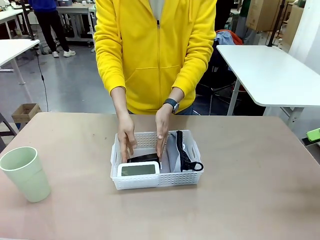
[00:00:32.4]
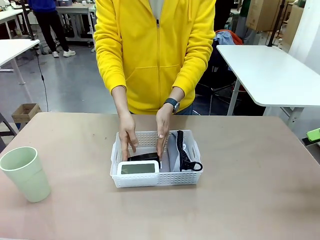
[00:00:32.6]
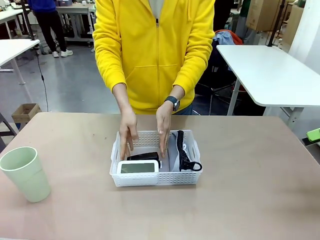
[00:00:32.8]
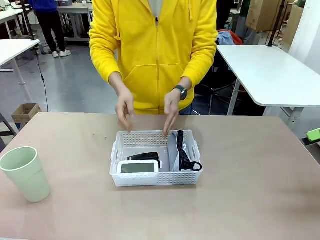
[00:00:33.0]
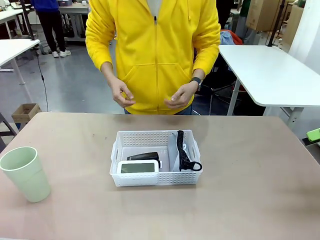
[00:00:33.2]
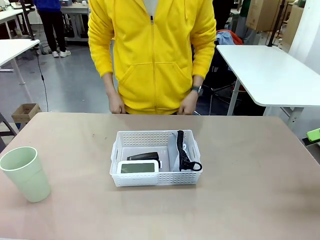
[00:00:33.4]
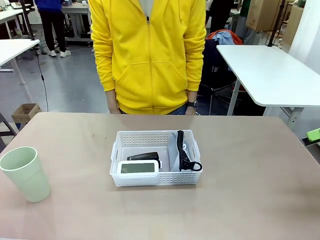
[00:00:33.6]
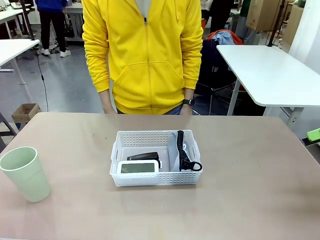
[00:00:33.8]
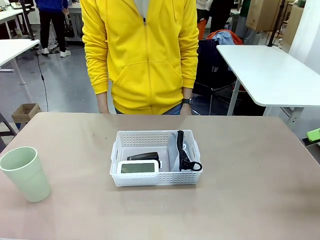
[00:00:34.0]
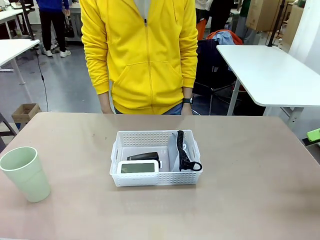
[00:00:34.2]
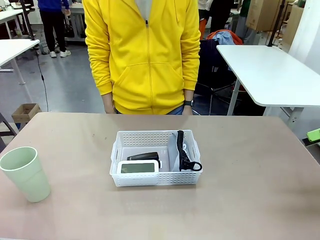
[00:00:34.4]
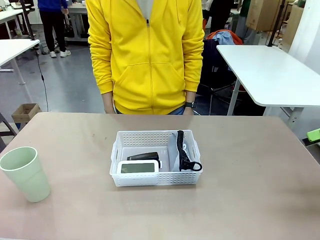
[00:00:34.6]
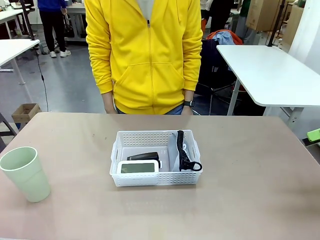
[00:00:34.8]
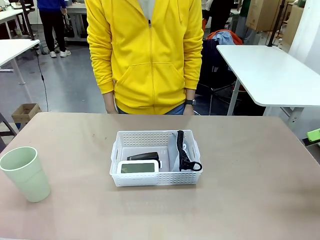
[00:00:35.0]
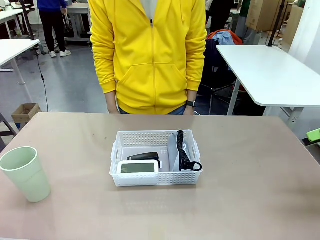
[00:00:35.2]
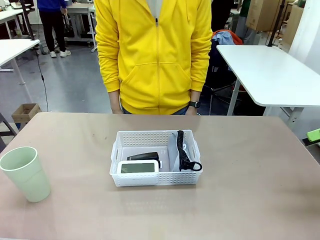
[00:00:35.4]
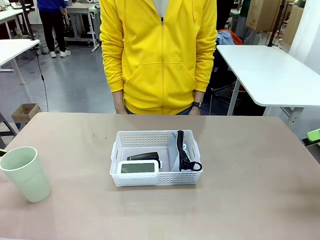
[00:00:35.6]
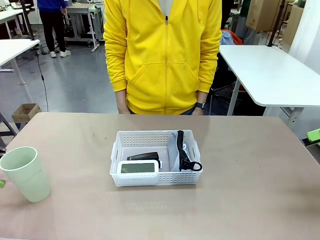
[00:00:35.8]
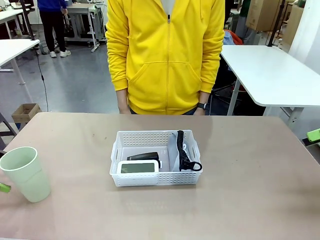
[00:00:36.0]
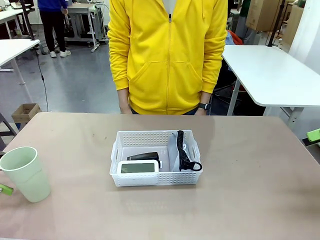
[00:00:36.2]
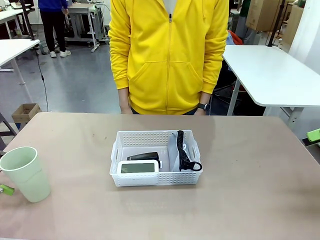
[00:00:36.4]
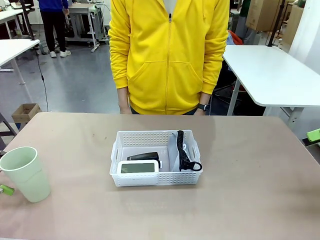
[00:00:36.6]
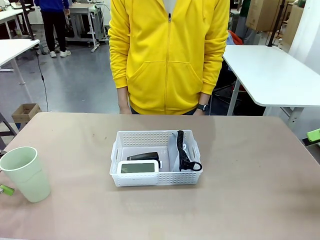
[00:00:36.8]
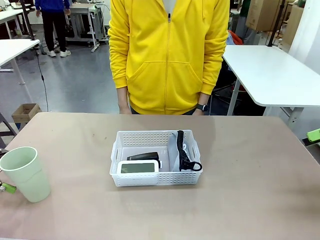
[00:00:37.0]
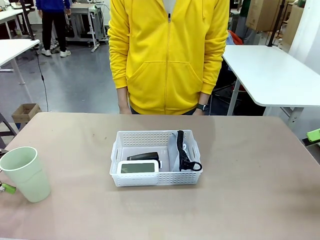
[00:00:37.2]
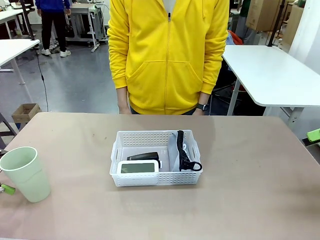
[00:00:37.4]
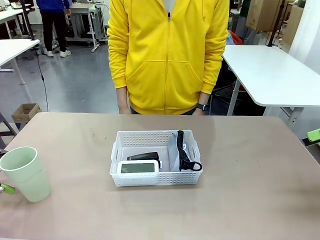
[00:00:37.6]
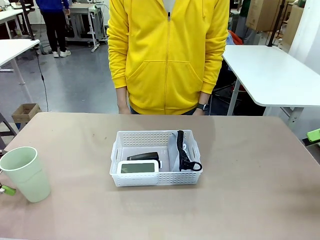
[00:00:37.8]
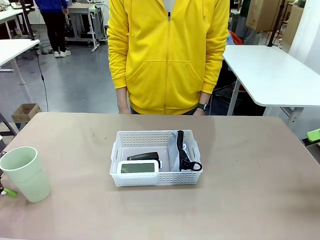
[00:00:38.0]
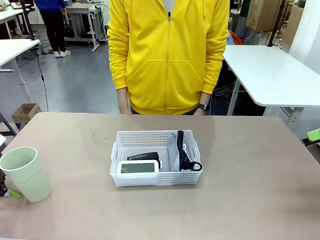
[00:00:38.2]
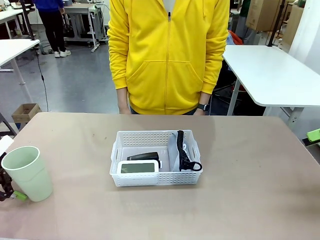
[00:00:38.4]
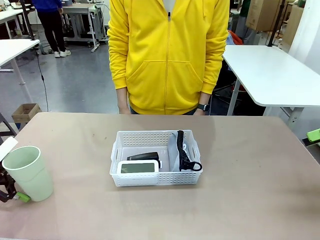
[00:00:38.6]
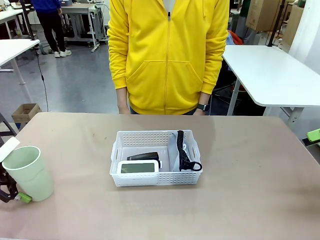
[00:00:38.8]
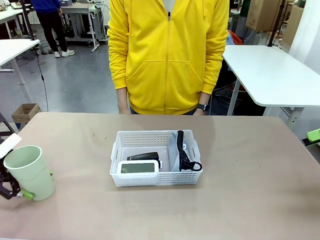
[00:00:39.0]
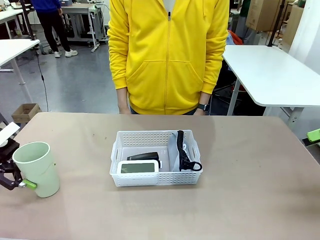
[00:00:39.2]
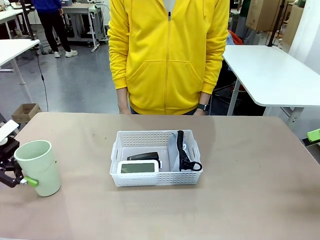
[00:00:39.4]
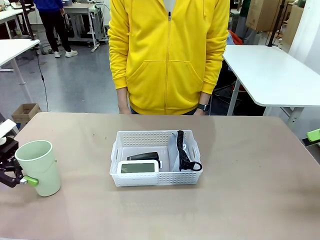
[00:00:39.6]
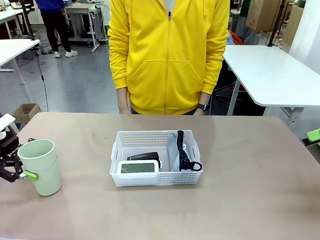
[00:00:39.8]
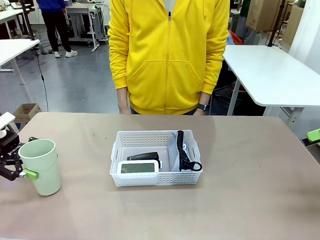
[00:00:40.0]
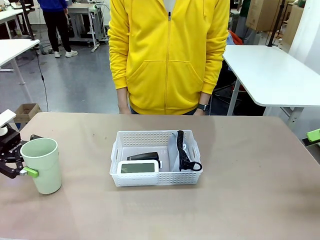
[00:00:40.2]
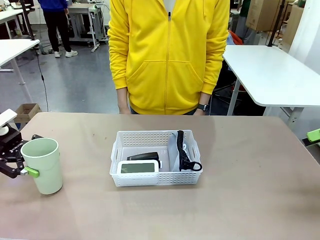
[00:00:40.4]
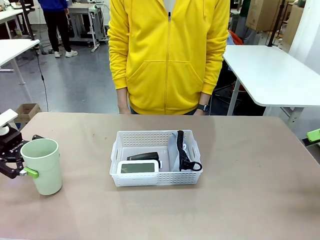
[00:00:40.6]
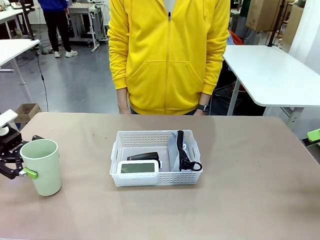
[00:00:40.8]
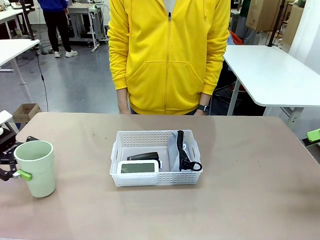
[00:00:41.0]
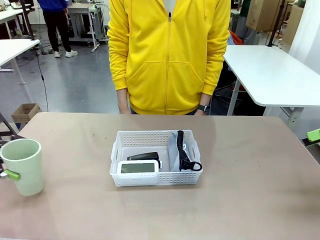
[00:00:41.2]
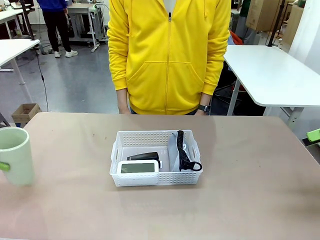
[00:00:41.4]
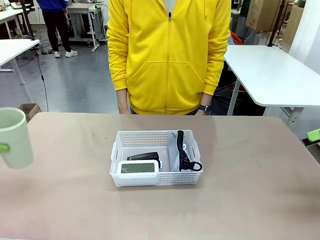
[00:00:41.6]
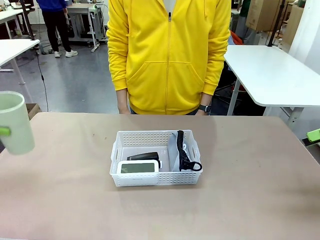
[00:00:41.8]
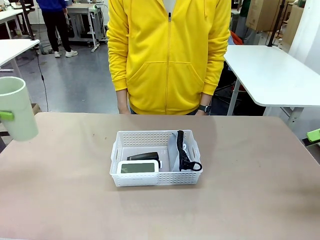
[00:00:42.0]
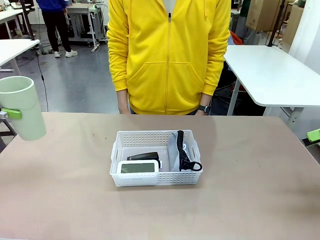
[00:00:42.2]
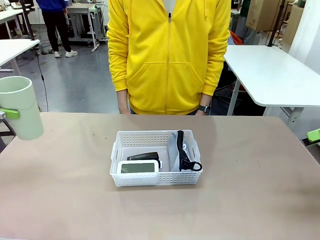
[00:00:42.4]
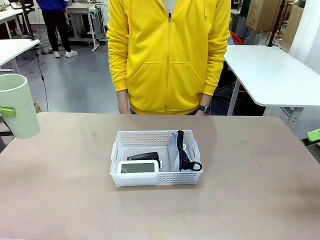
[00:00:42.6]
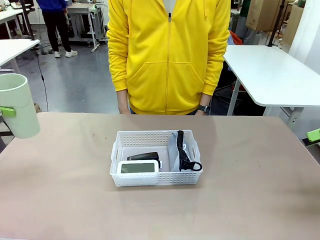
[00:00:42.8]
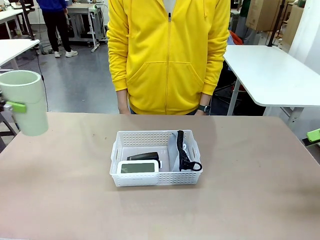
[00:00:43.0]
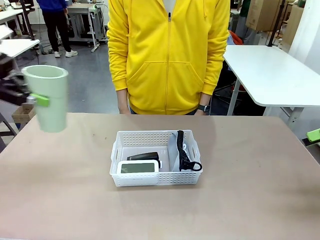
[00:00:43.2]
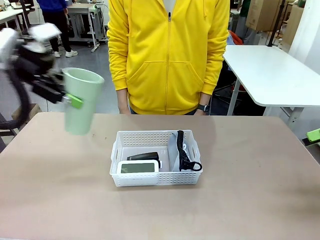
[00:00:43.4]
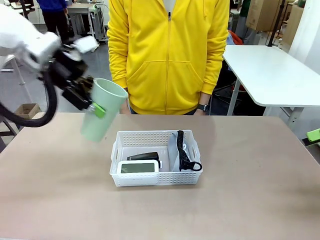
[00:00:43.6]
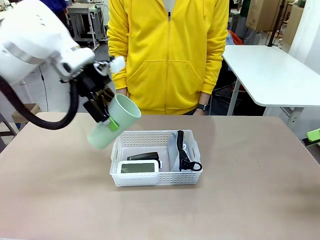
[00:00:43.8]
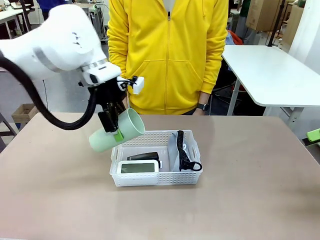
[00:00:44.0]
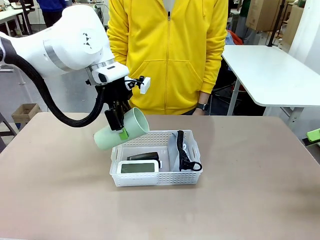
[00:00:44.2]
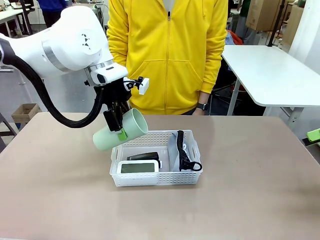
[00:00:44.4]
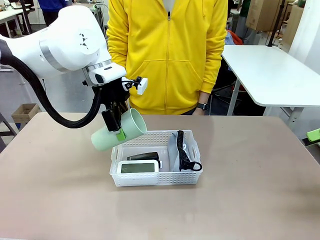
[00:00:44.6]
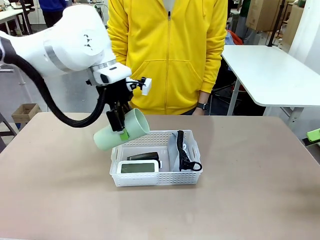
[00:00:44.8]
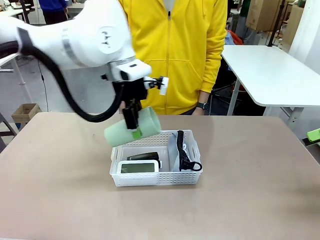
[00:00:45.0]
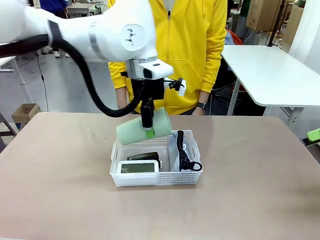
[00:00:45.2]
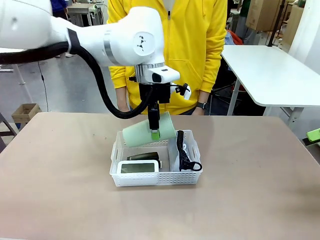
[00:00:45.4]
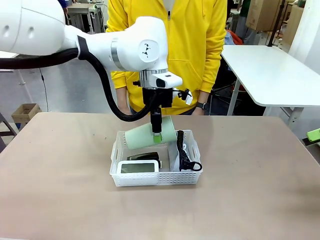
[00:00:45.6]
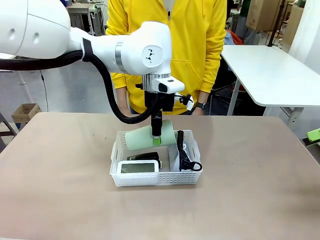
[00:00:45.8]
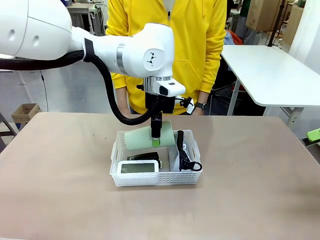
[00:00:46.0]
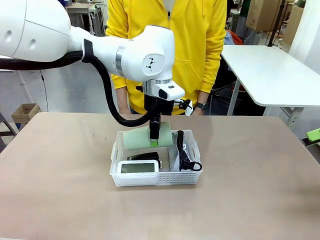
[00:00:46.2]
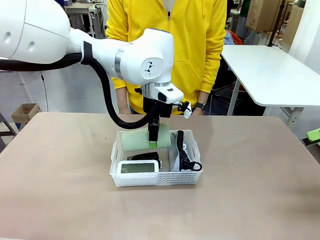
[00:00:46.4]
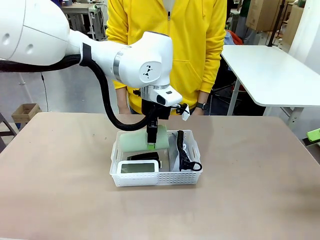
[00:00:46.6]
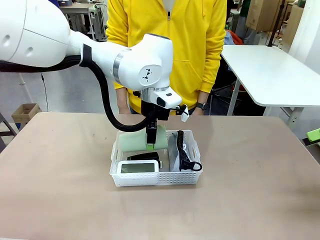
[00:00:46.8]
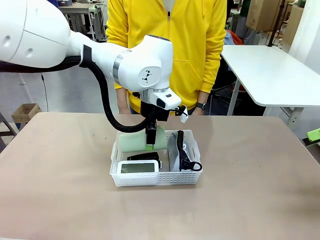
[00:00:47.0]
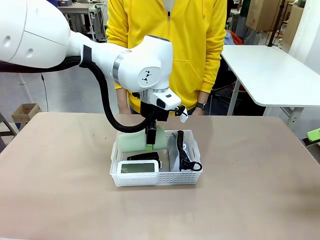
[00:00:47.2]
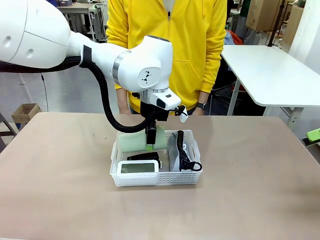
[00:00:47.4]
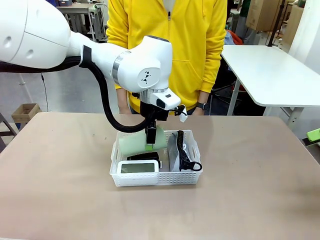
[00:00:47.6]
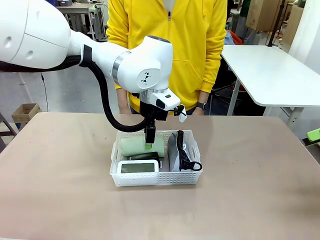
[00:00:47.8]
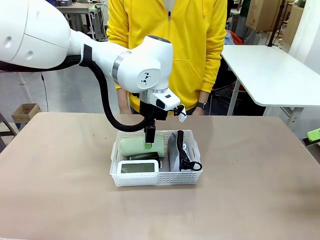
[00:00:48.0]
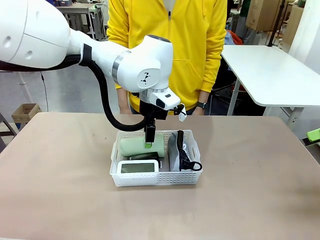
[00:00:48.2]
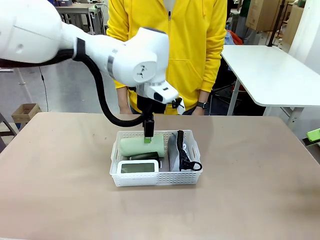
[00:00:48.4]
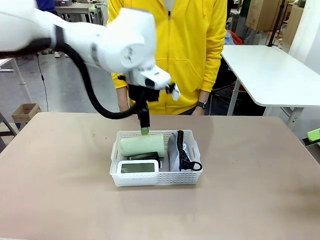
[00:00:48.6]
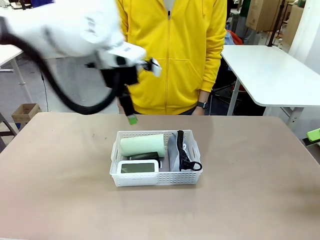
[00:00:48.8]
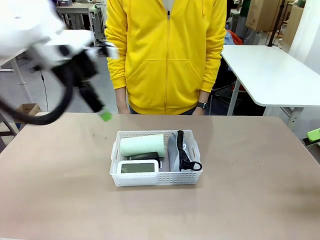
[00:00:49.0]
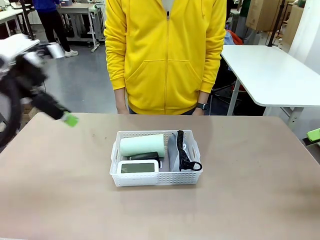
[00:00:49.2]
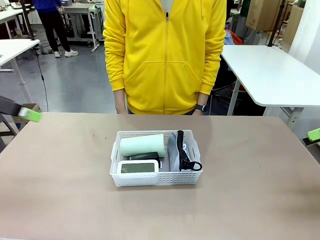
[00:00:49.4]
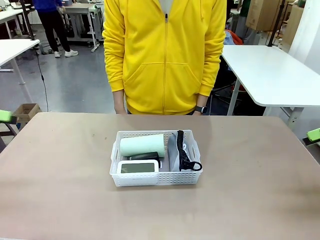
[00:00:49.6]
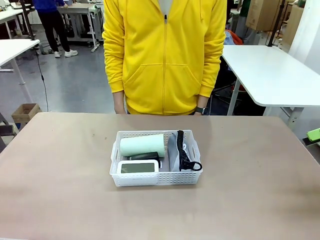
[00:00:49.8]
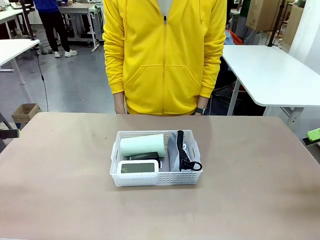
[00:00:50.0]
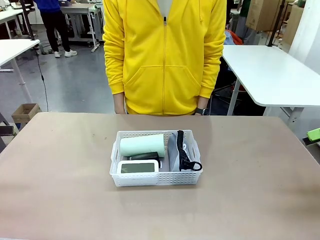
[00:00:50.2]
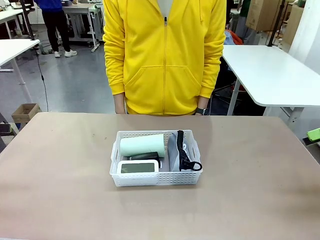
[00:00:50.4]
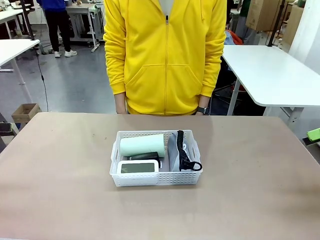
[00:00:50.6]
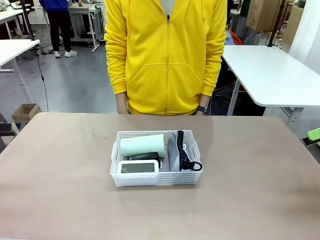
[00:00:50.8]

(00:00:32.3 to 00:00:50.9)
Task: Efficiently arrange items inside the basket to fit them all.
Robot: Pick up the Reusable plastic cup and place it inside the Organizing basket.
Person: Repositions the stapler.
